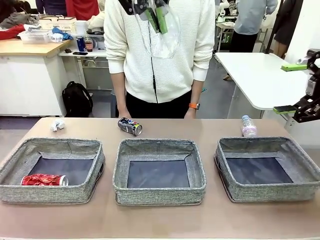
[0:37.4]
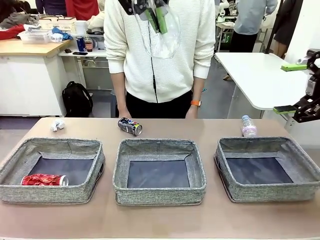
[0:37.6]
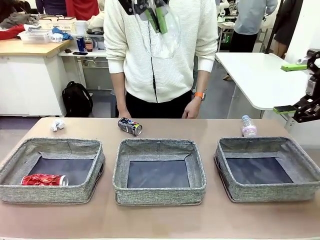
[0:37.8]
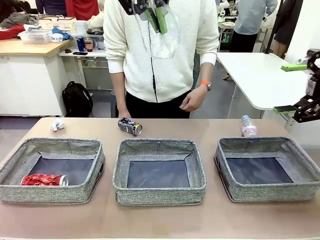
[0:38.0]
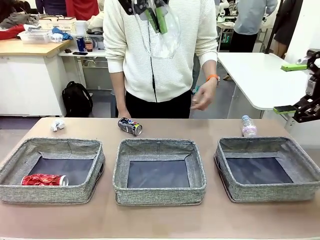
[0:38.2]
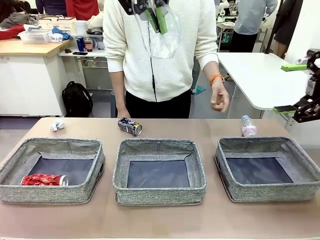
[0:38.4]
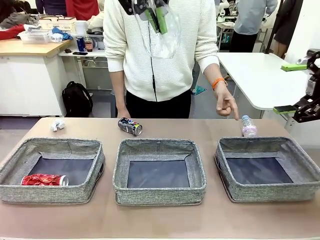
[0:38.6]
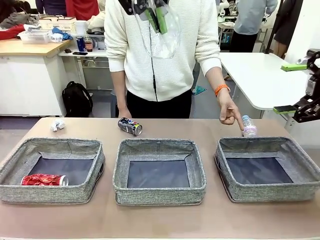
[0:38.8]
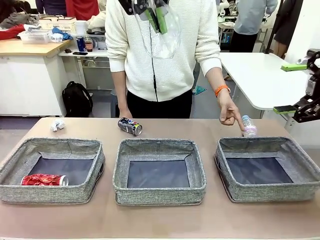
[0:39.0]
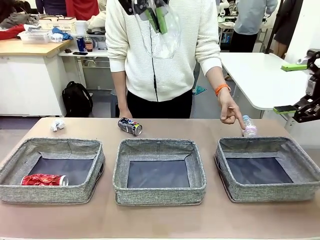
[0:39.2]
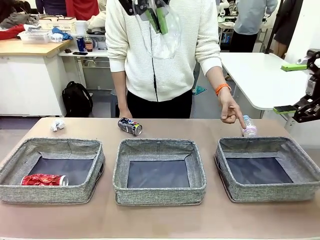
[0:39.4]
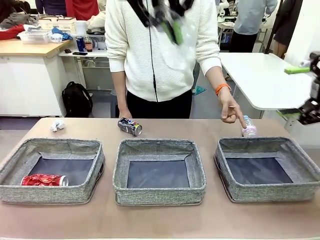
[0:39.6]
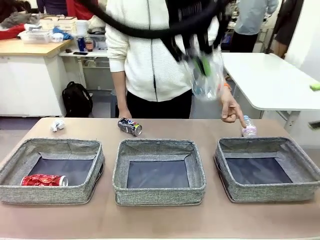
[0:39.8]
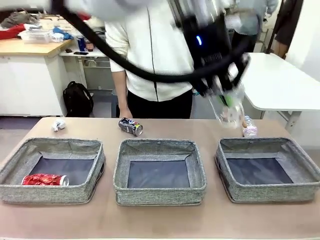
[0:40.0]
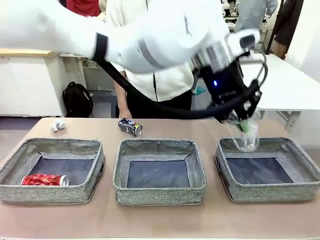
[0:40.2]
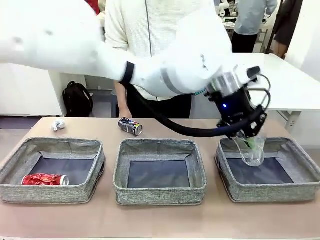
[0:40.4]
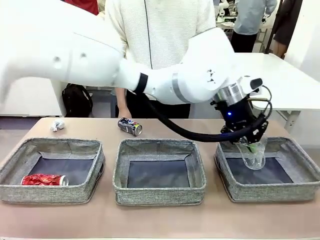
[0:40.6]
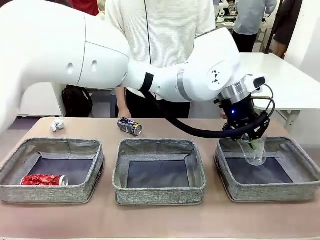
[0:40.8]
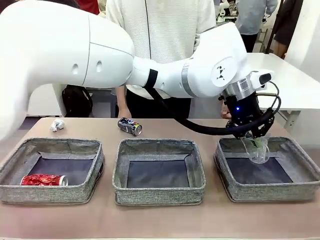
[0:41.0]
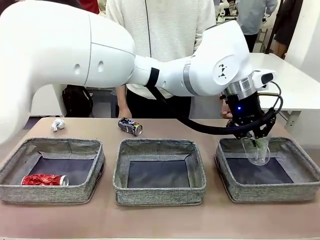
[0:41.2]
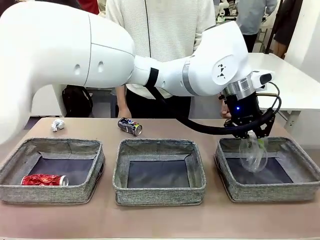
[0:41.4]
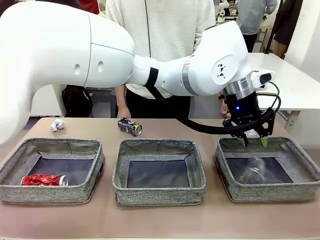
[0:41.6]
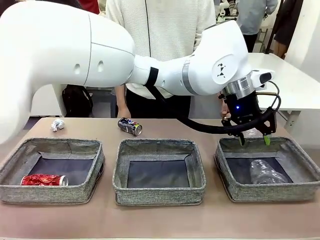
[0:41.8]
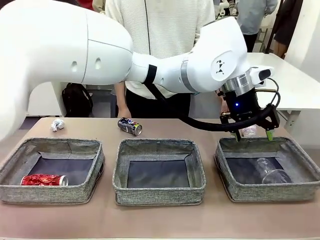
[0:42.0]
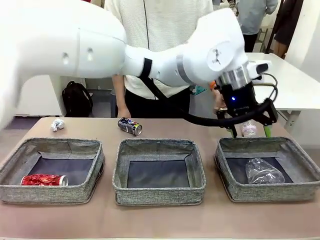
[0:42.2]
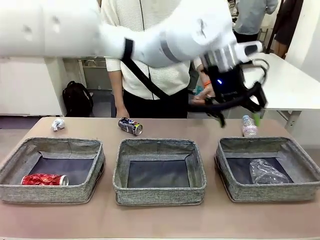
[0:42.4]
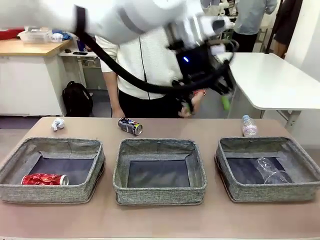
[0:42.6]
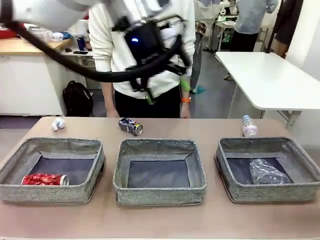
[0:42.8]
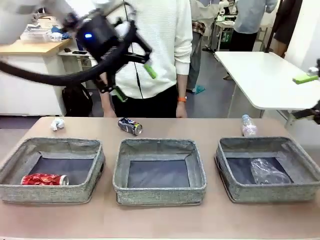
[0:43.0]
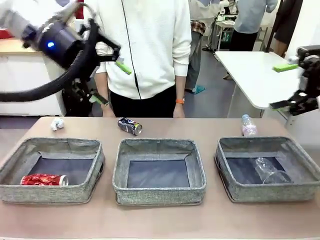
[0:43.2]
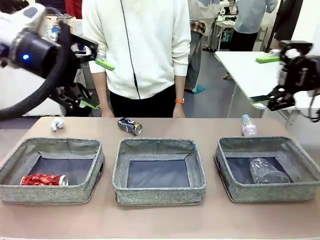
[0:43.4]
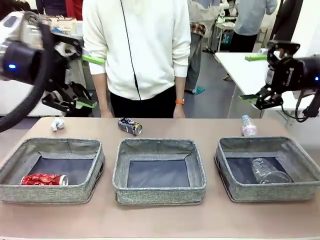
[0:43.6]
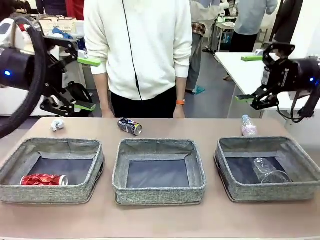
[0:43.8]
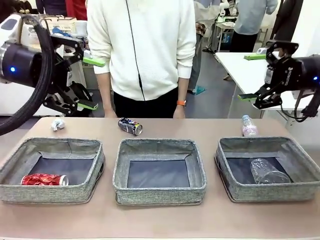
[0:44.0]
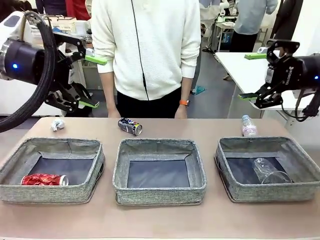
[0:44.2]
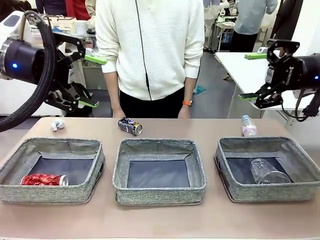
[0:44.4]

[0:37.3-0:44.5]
Task: Sort the waste into the appropriate baskets.
Robot: Place the picked waste into the Fabric basket indicated by the person.
Person: Instructs the robot to place the picked-up trash into the appropriate organizing basket.

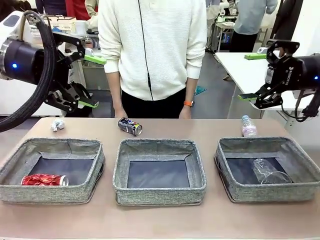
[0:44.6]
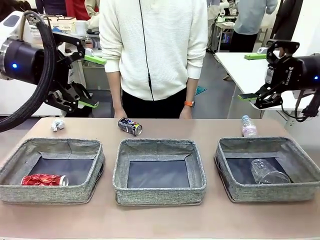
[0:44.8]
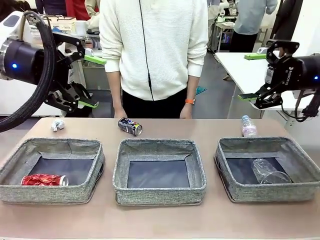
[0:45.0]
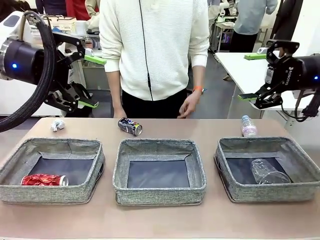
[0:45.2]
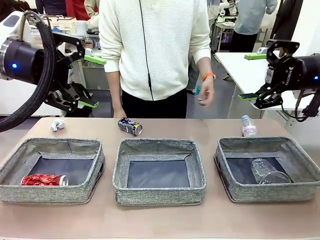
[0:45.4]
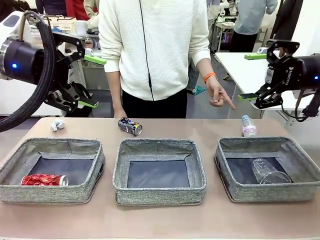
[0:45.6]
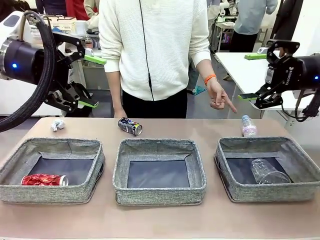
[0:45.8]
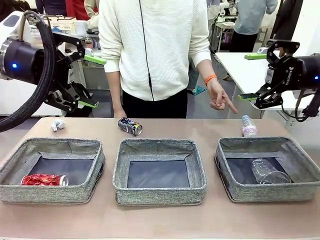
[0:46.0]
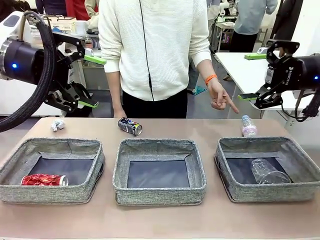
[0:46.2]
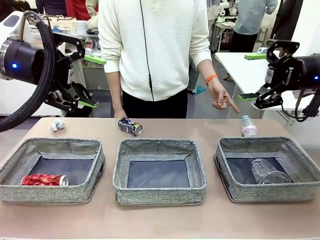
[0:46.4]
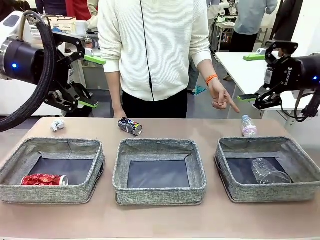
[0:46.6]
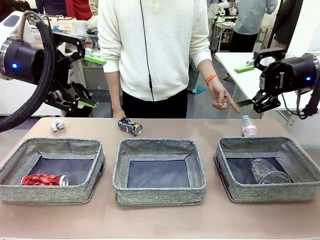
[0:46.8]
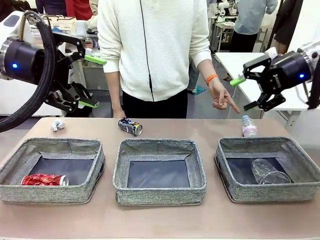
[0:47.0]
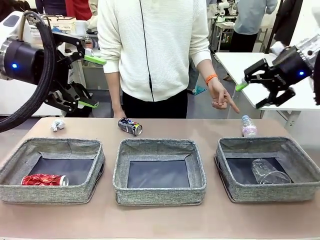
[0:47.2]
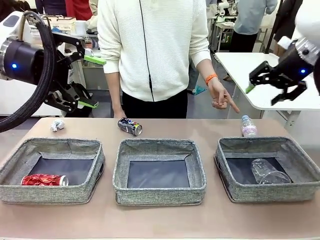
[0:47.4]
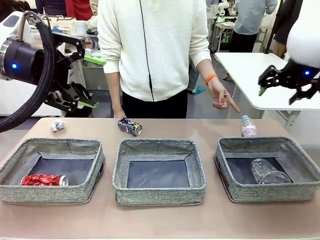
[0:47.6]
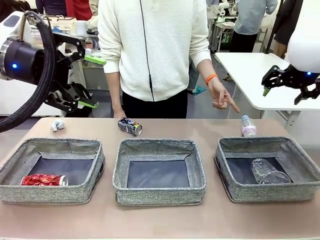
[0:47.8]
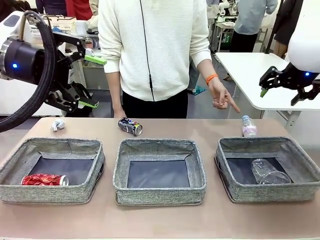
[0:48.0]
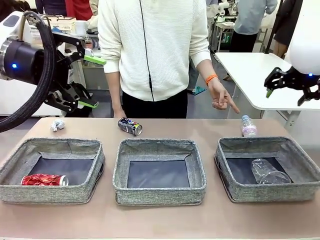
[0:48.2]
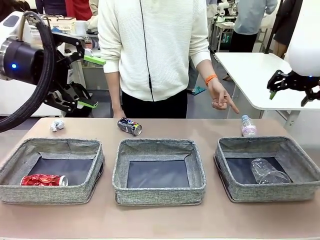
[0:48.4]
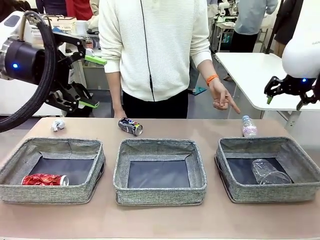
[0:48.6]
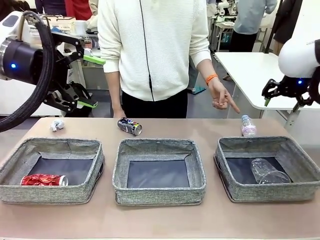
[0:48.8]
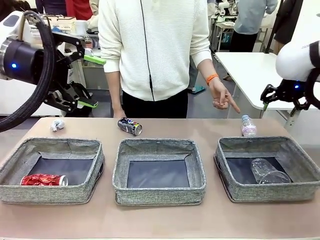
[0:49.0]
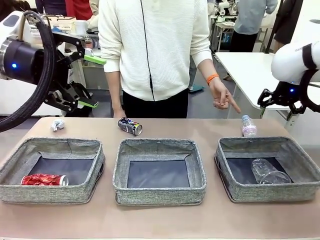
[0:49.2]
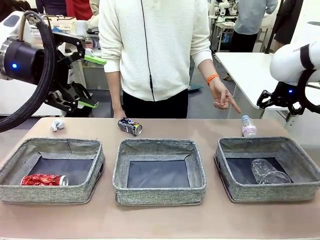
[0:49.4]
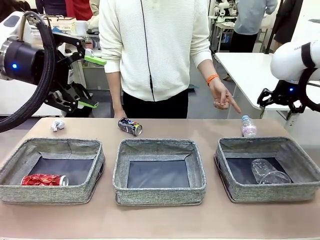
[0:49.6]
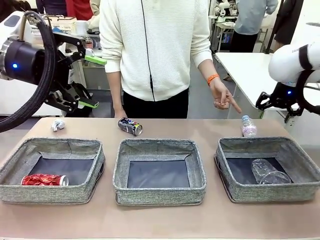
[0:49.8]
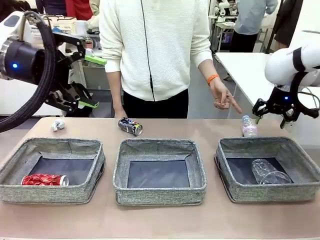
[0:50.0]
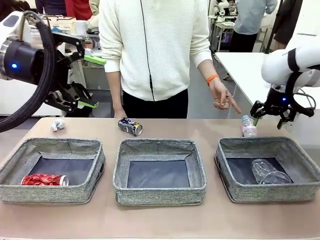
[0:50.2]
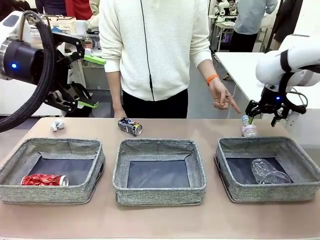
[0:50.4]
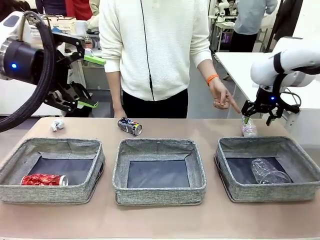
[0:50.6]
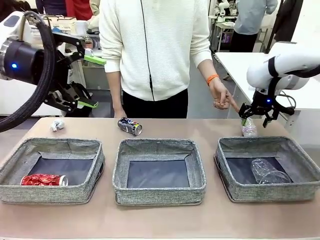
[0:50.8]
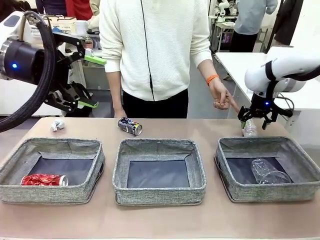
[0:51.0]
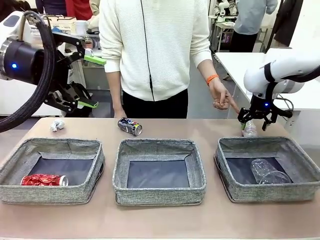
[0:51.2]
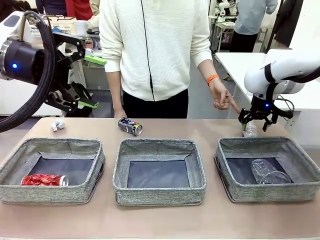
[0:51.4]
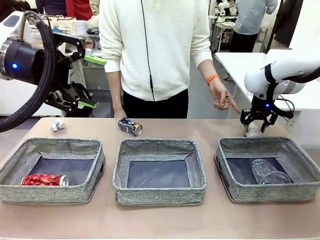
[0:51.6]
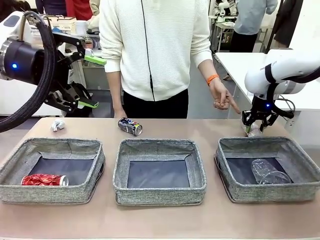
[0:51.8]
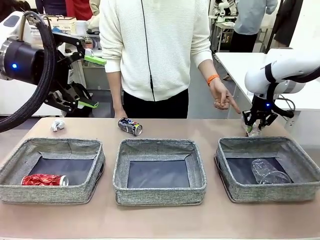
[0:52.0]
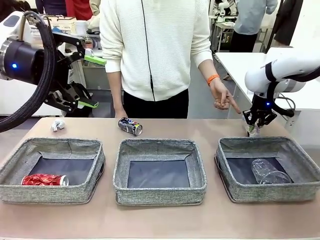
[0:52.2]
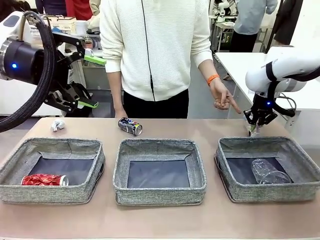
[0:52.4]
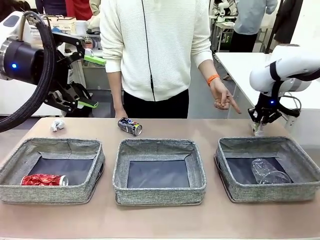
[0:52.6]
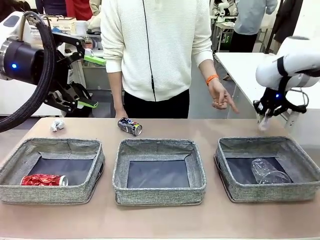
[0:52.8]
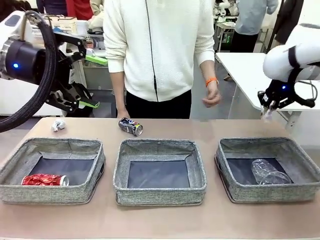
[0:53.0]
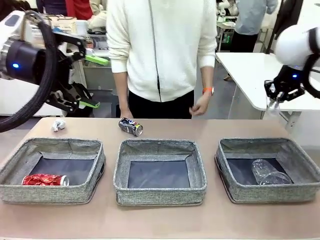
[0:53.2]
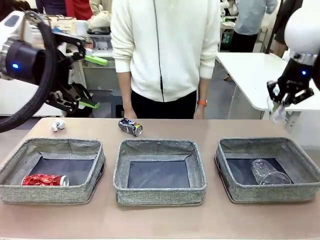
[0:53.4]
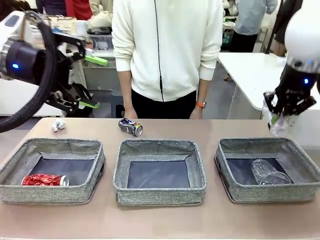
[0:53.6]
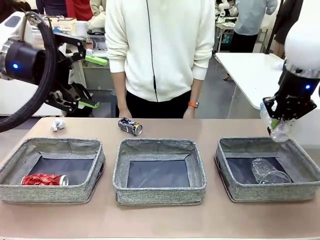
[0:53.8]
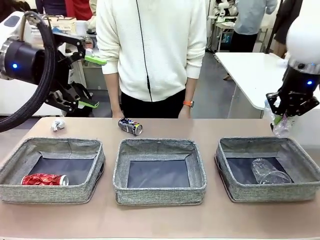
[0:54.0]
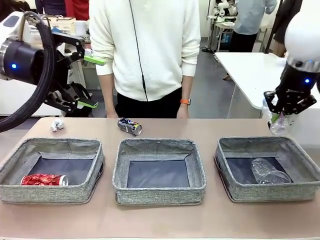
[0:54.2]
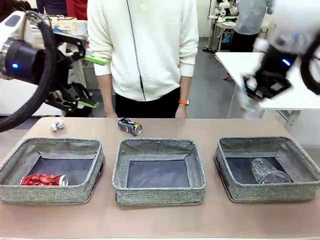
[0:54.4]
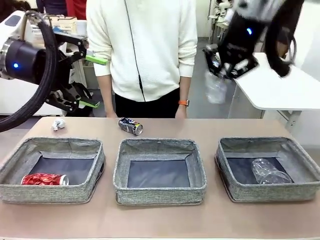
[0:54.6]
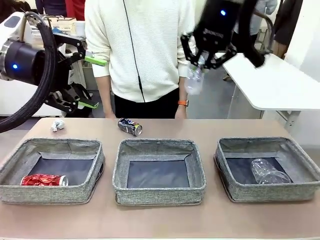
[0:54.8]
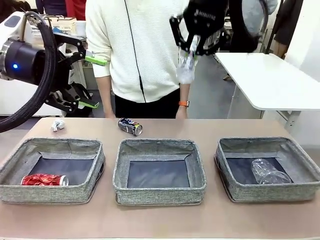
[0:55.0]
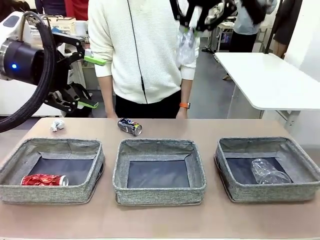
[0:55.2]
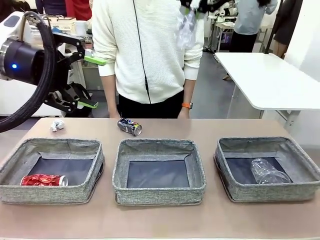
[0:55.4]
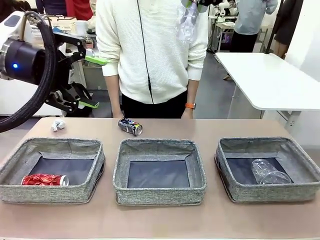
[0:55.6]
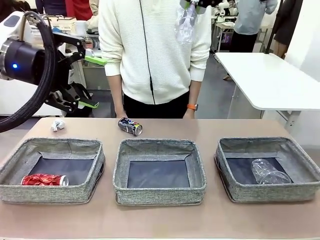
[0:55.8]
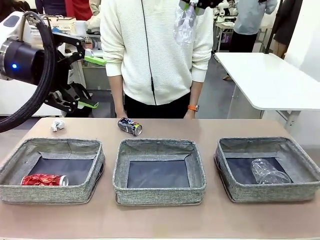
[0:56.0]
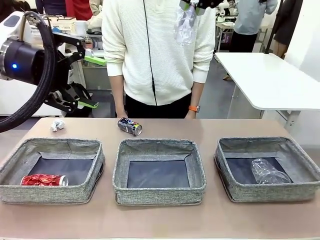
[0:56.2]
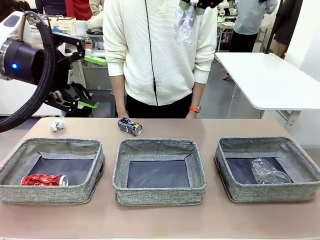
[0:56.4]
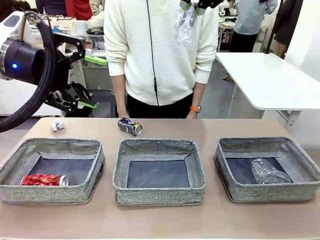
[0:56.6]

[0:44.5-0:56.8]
Robot: Pick up the waste item pointed out by the person.
Person: Points to one piece of trash on the table.
